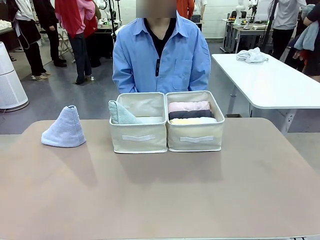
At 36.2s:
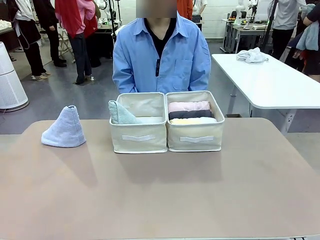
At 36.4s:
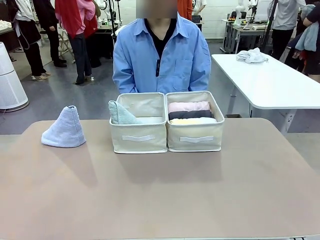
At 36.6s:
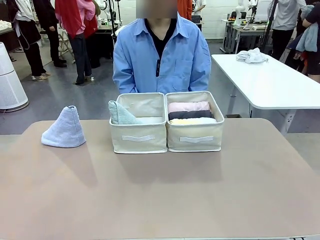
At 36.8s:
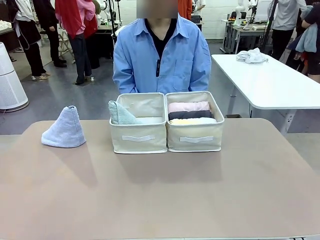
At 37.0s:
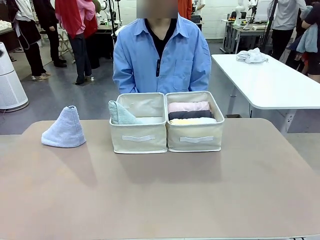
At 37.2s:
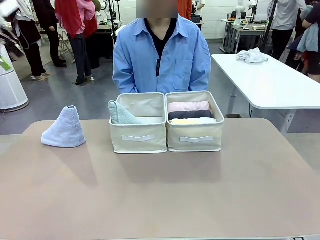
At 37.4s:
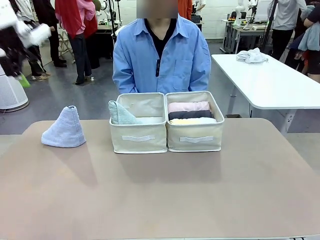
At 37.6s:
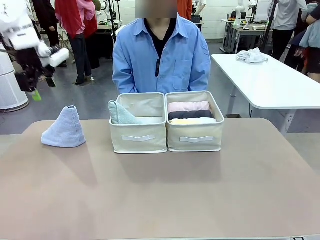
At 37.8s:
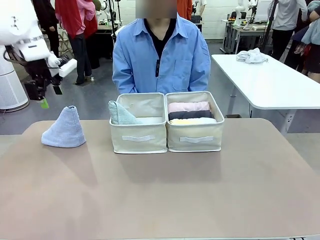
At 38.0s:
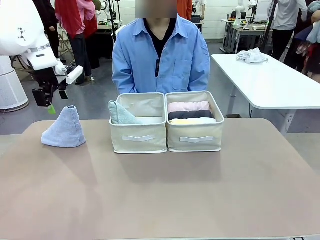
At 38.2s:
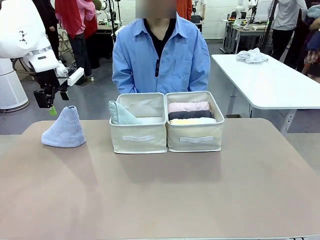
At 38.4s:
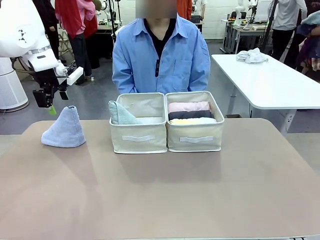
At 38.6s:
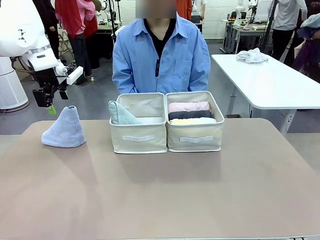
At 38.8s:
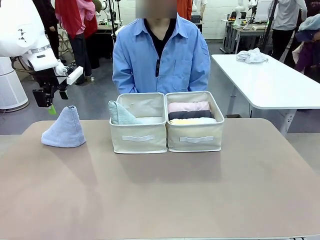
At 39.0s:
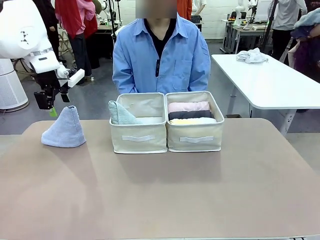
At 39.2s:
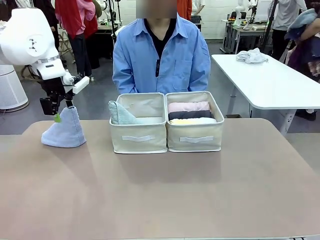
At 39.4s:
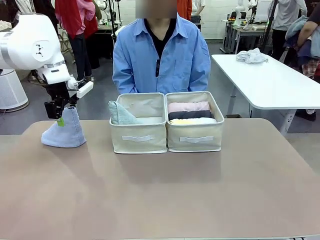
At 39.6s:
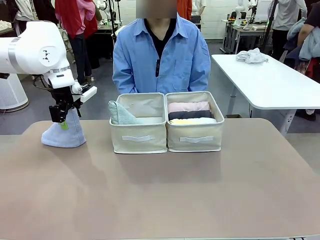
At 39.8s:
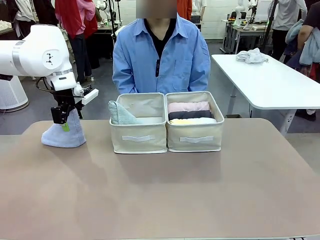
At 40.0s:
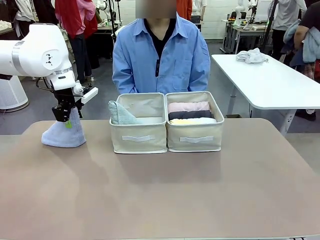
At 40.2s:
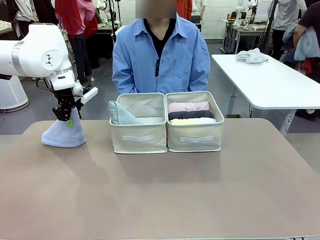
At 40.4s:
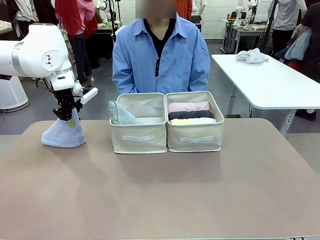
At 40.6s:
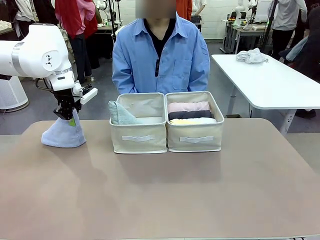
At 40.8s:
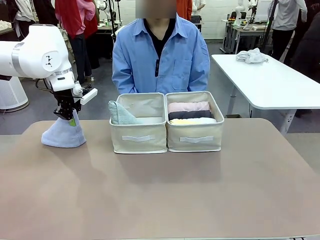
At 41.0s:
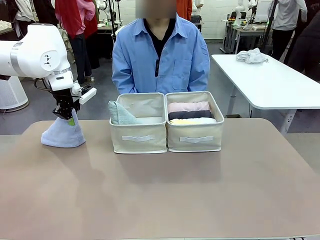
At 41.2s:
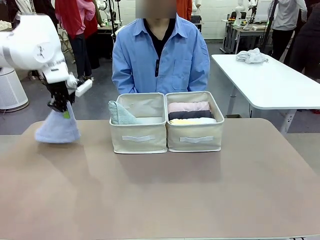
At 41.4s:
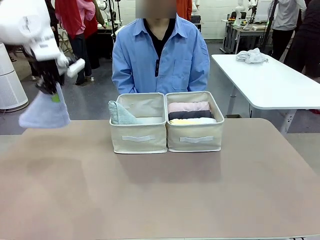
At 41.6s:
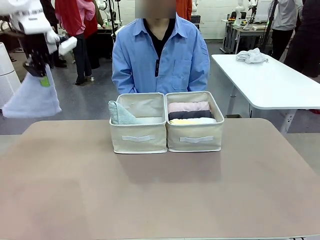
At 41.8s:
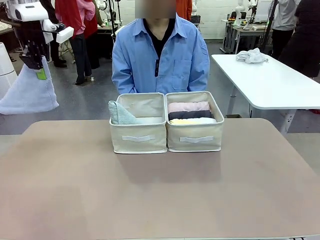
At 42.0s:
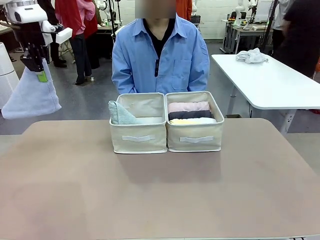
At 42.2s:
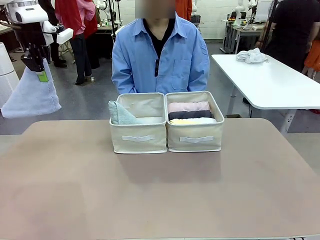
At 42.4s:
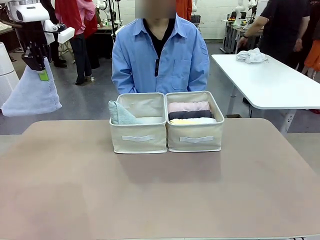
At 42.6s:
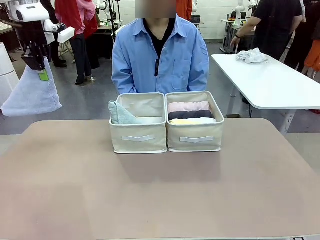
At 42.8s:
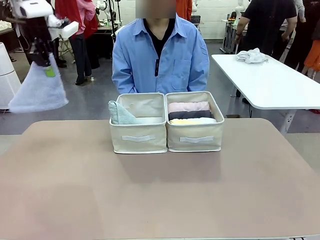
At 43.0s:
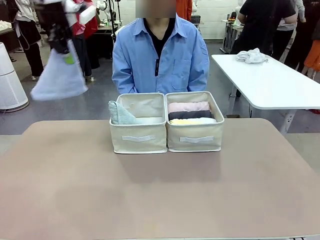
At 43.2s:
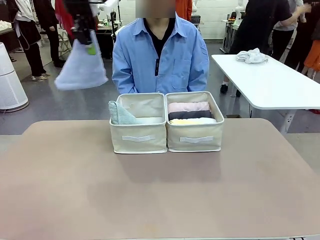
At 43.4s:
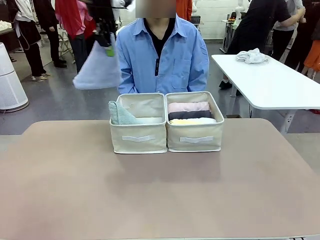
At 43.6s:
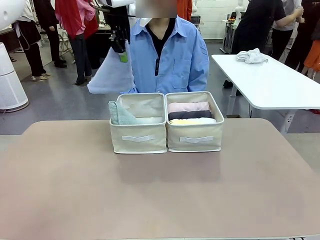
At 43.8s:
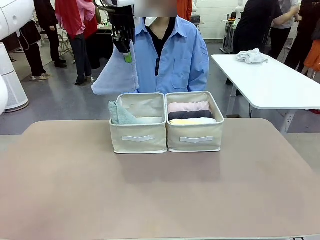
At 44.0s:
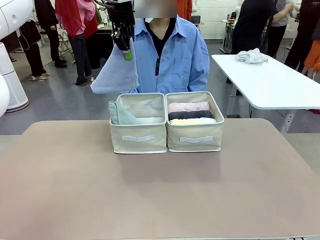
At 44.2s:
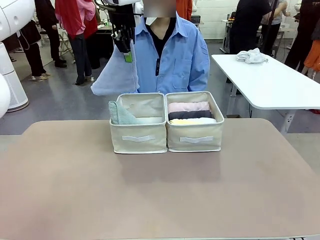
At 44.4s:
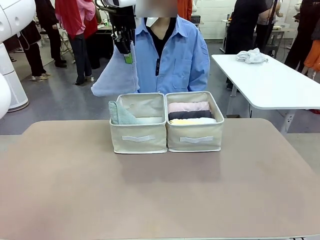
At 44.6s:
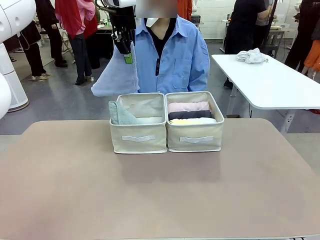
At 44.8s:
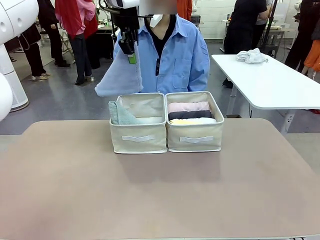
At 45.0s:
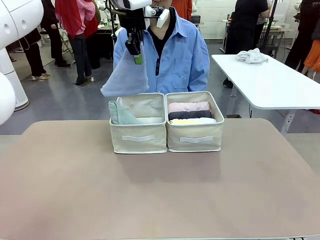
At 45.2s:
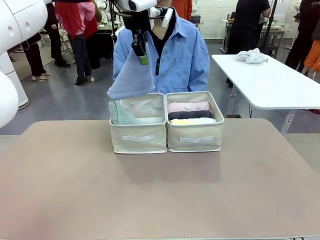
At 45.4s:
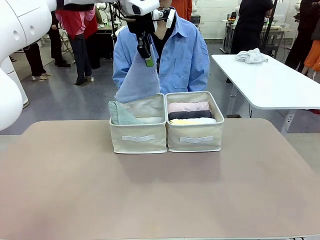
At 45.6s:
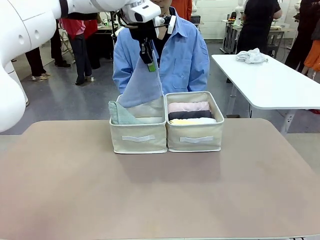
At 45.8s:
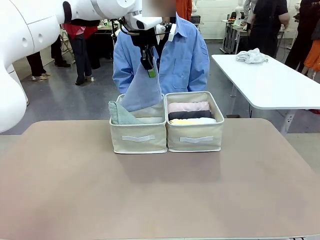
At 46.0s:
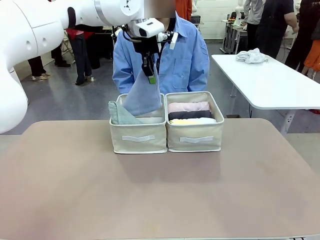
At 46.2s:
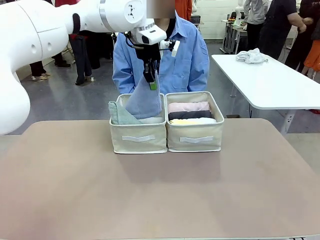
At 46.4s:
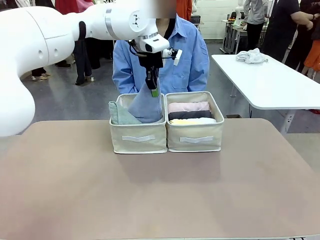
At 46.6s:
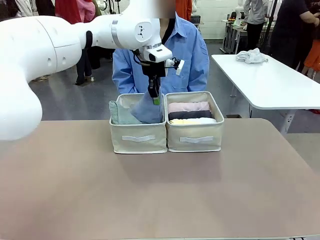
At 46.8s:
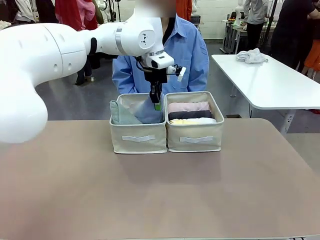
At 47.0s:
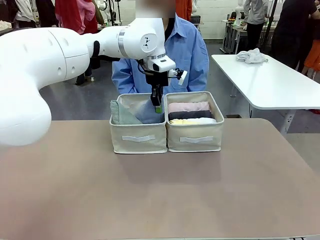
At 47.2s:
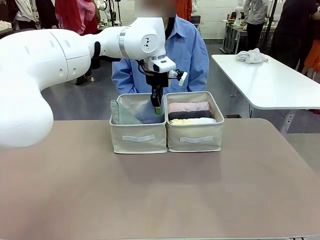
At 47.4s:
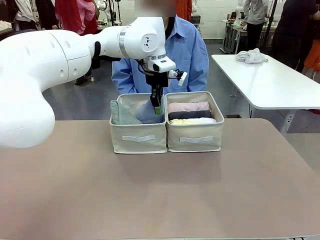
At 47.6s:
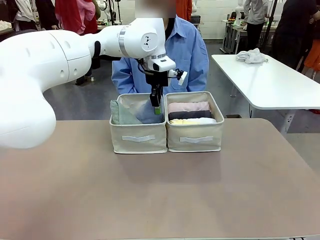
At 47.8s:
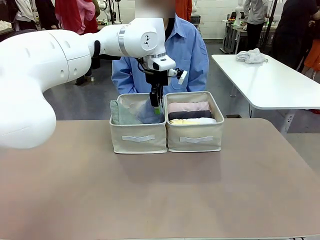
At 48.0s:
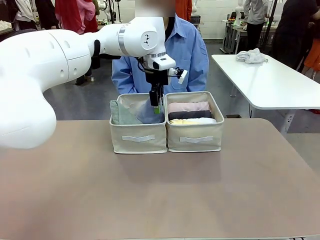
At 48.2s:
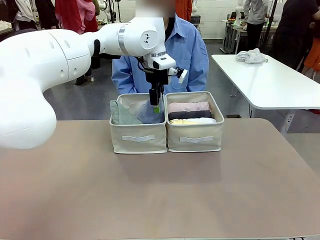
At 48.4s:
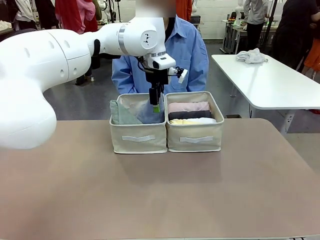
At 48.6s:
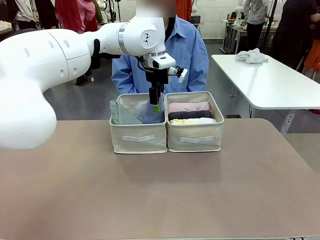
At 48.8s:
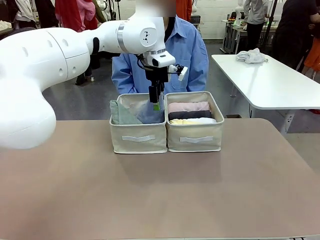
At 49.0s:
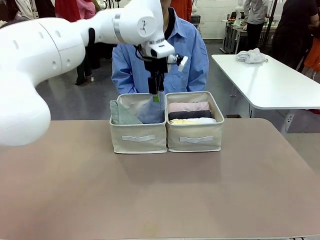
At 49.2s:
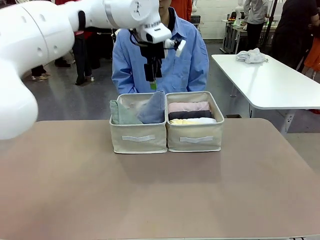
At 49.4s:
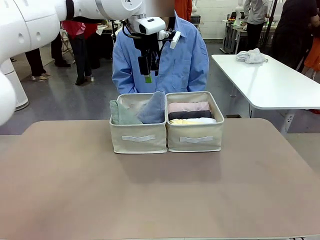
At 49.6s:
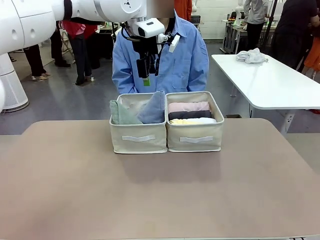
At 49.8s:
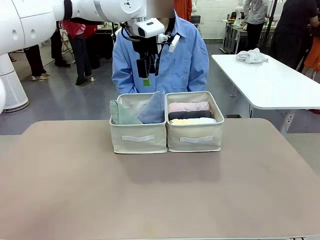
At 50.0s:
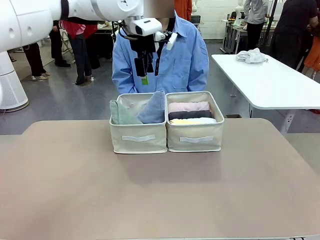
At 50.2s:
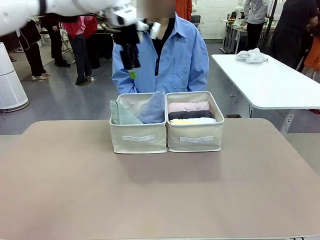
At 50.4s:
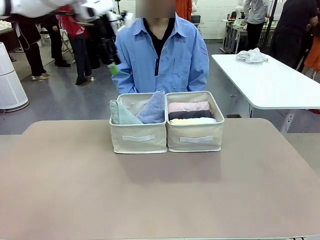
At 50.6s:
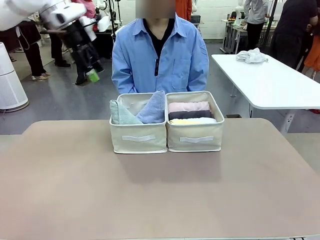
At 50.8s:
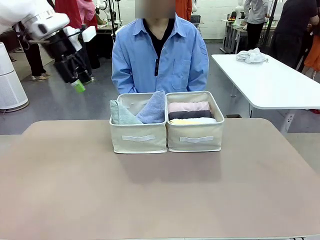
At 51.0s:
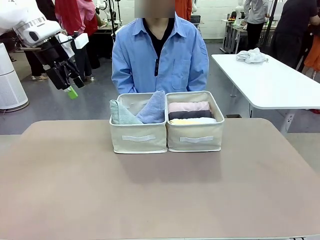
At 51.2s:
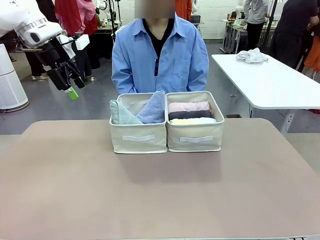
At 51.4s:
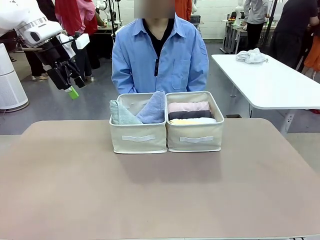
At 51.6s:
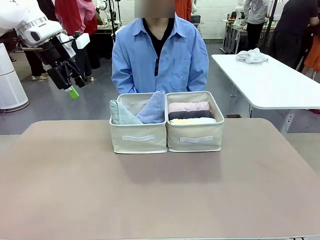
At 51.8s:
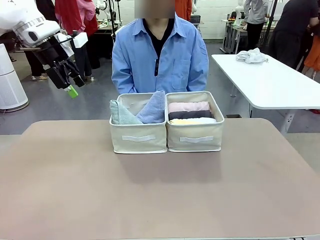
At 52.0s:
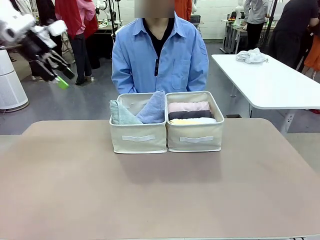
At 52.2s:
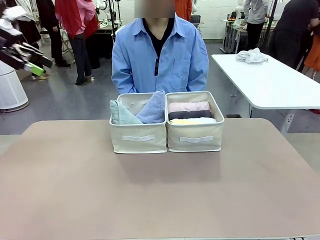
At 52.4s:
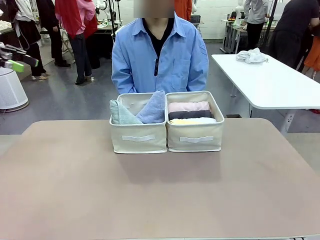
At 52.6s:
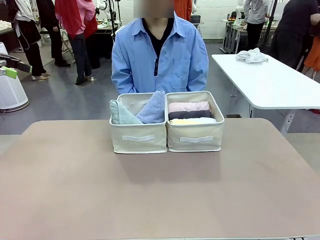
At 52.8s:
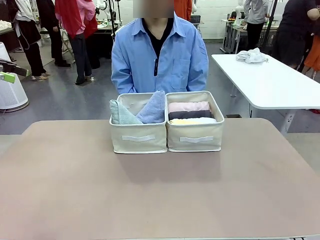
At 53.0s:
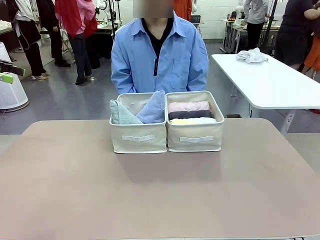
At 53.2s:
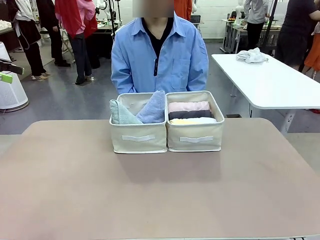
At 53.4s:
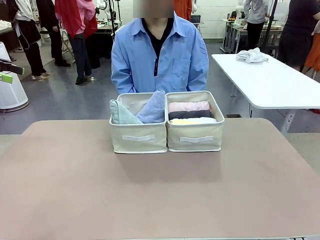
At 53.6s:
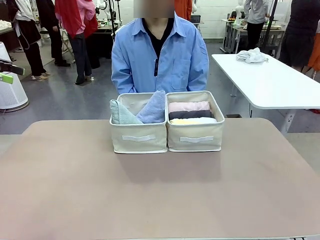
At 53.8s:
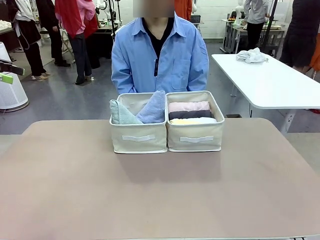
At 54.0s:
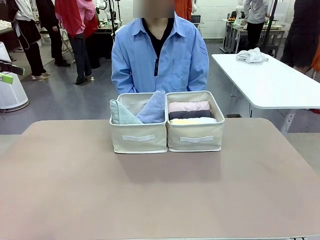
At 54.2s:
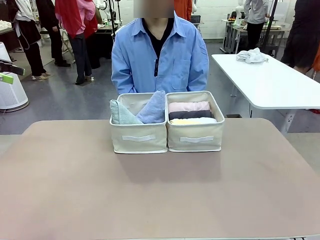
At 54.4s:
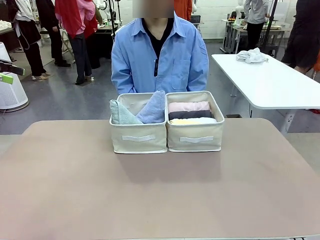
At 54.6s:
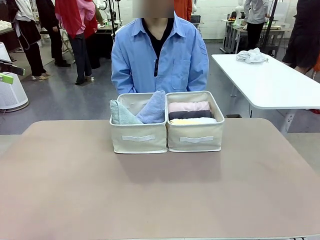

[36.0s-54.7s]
Task: Sort the towels based on their folding style.
Robot: Pick up another triangle-folded towel from the table and place it in the left Fabric basket.
